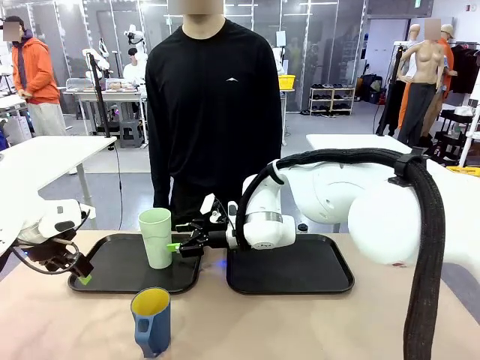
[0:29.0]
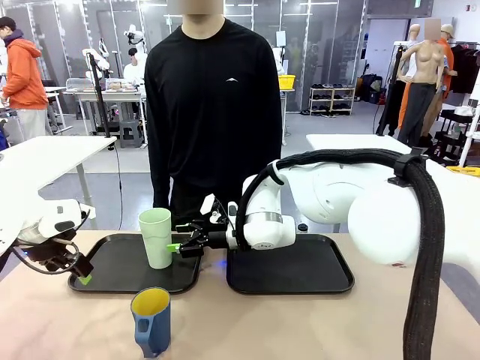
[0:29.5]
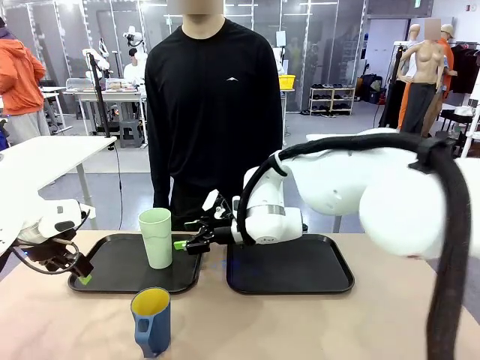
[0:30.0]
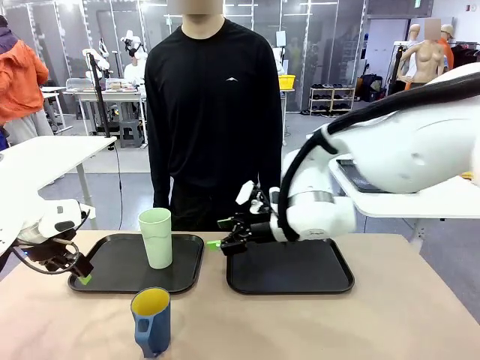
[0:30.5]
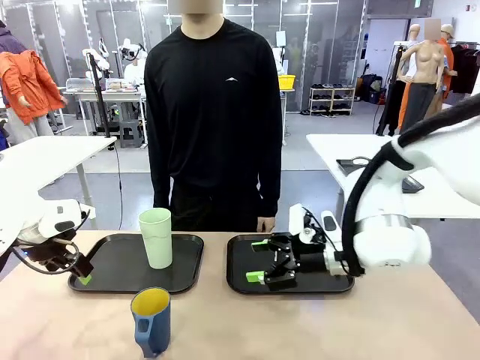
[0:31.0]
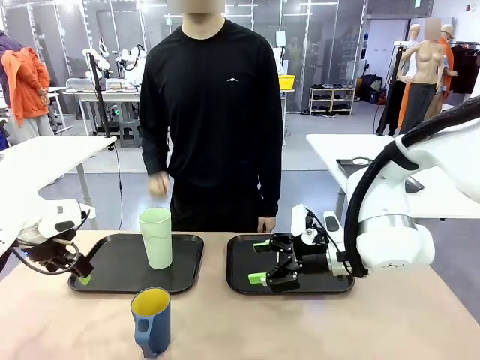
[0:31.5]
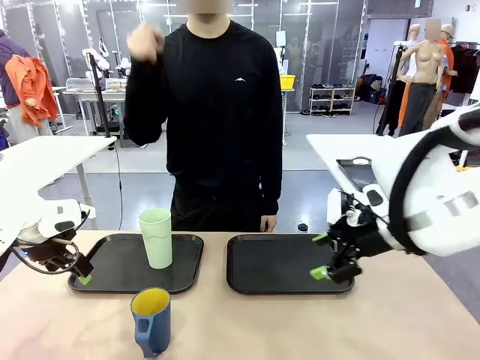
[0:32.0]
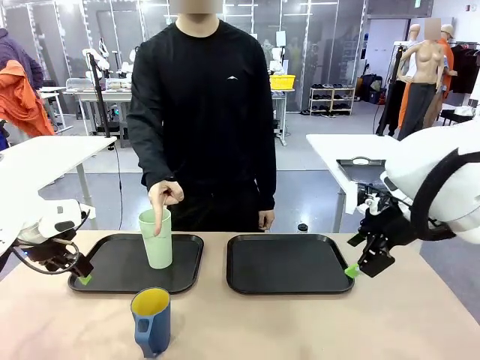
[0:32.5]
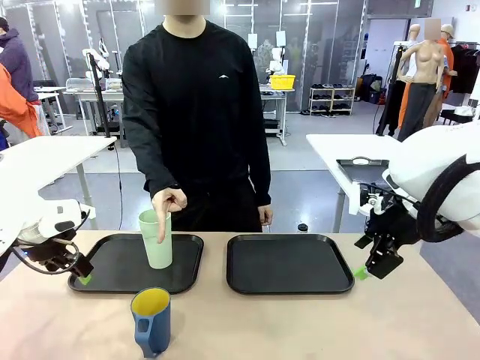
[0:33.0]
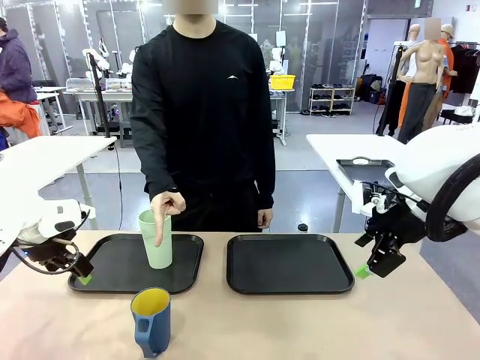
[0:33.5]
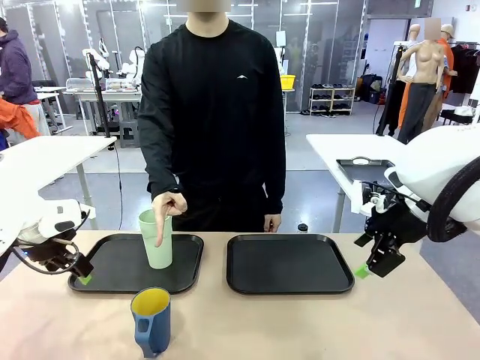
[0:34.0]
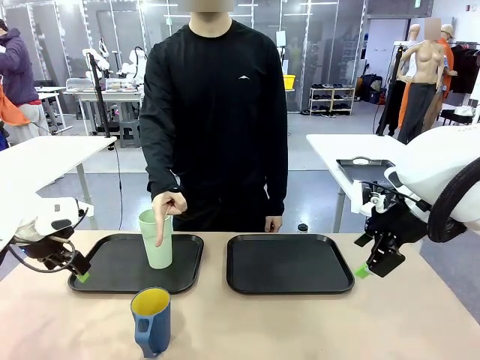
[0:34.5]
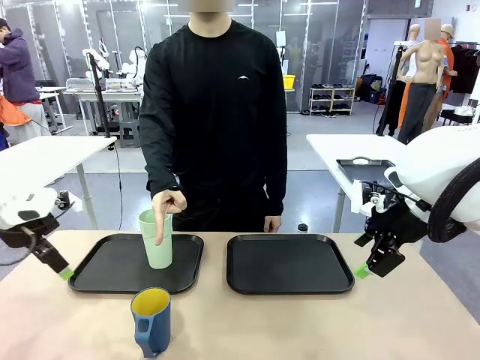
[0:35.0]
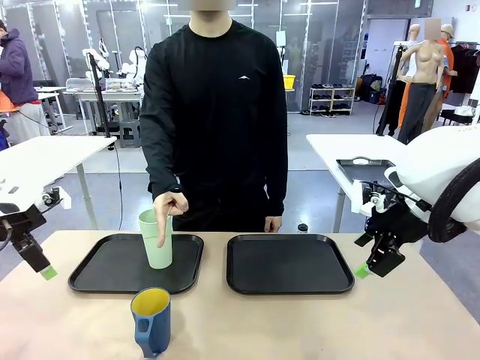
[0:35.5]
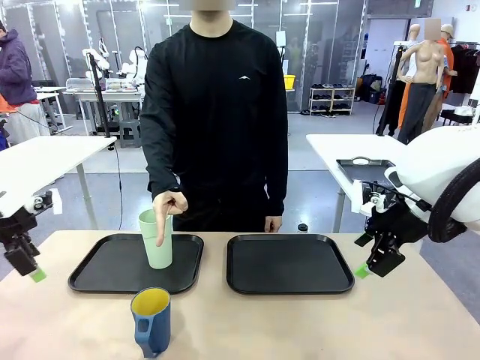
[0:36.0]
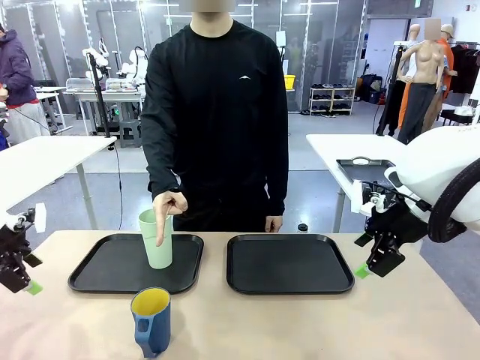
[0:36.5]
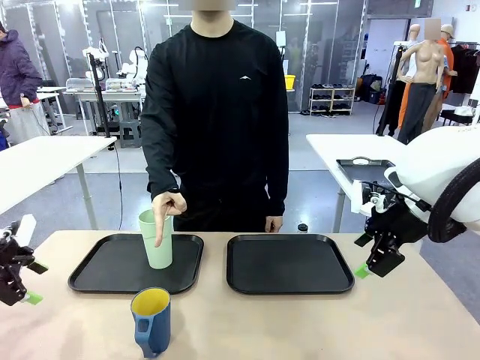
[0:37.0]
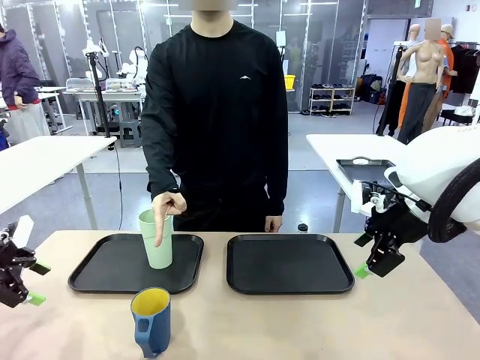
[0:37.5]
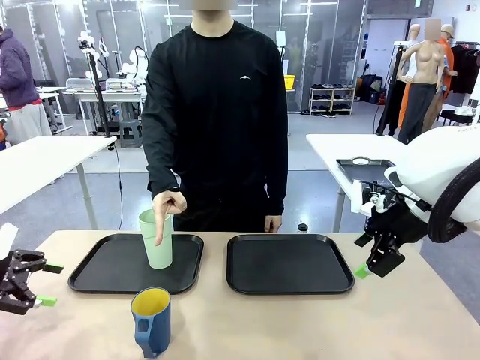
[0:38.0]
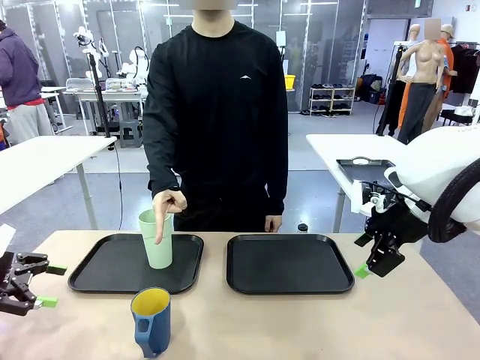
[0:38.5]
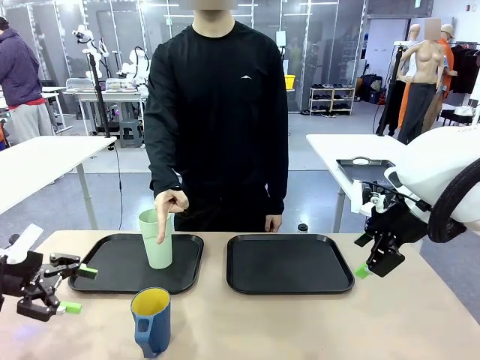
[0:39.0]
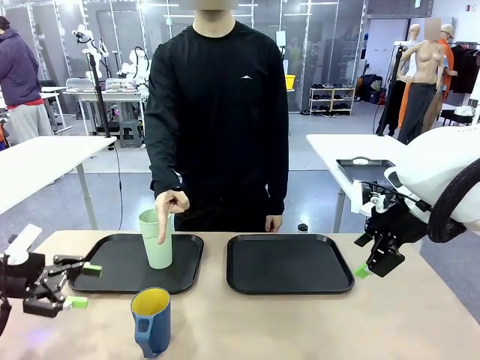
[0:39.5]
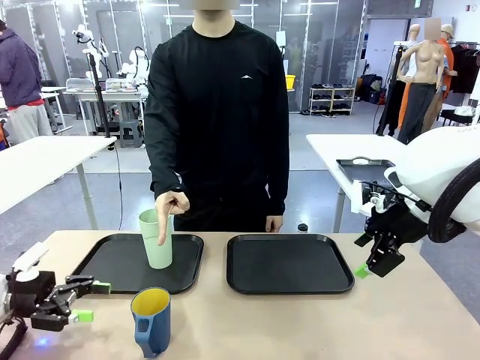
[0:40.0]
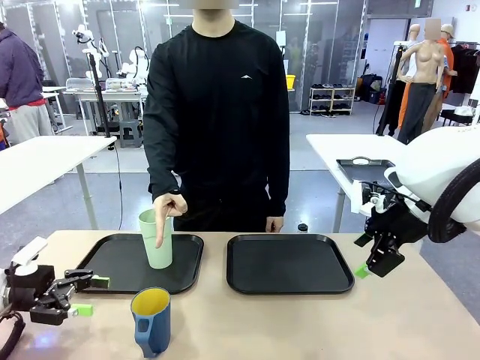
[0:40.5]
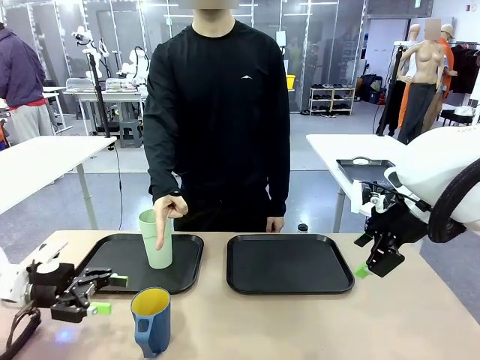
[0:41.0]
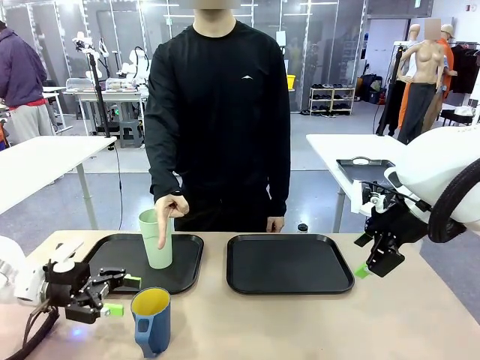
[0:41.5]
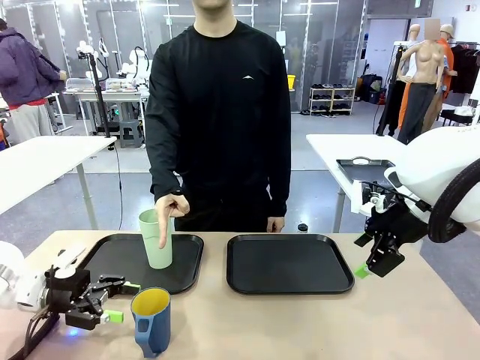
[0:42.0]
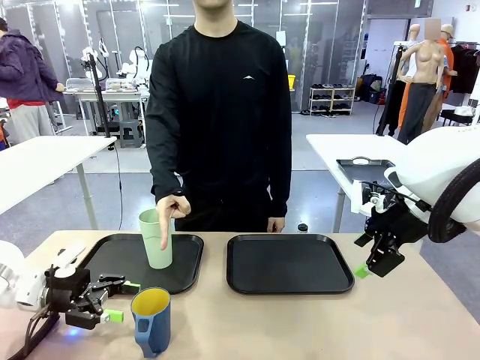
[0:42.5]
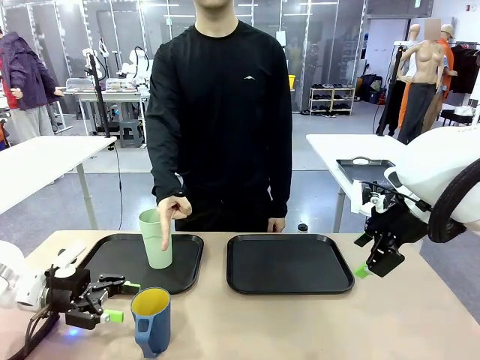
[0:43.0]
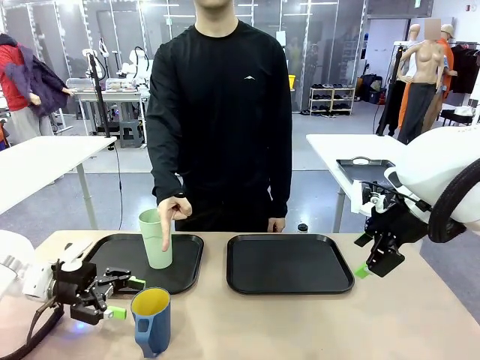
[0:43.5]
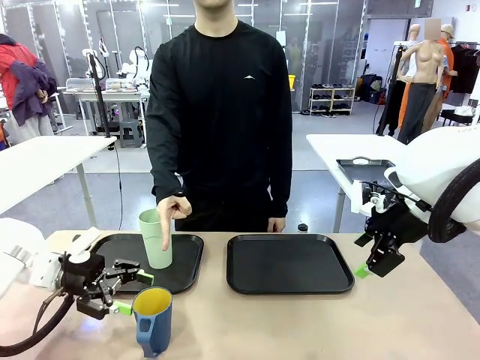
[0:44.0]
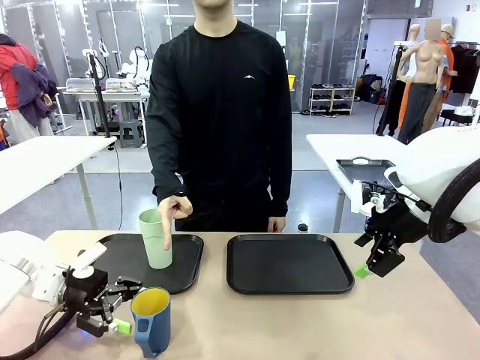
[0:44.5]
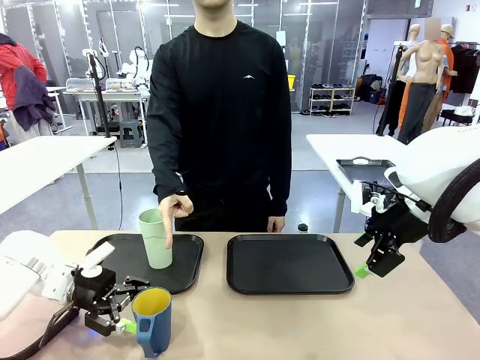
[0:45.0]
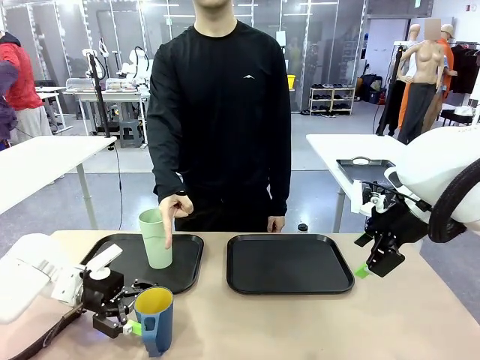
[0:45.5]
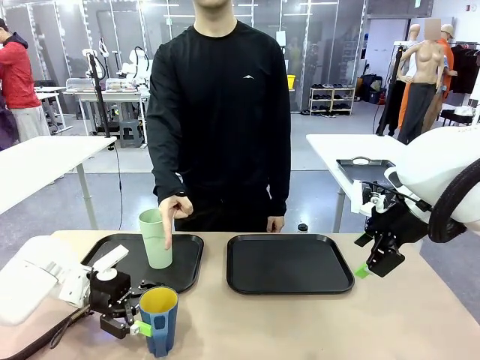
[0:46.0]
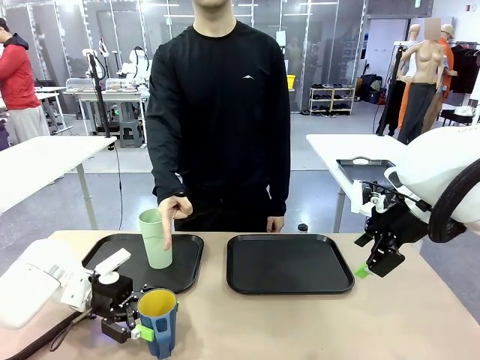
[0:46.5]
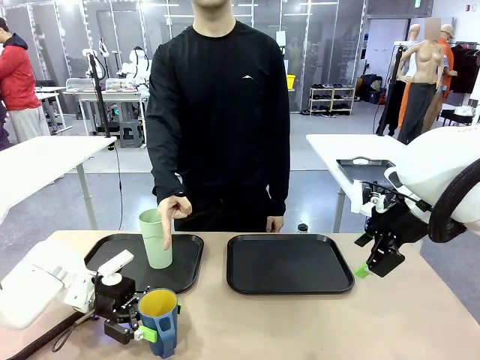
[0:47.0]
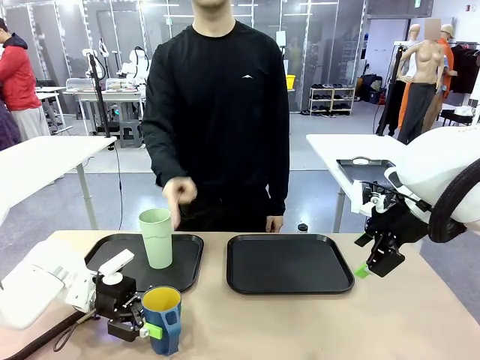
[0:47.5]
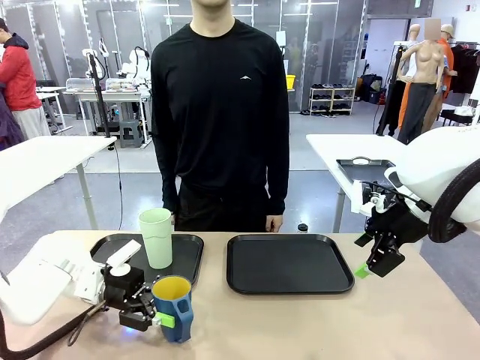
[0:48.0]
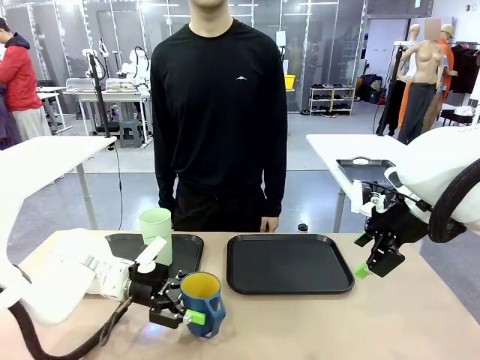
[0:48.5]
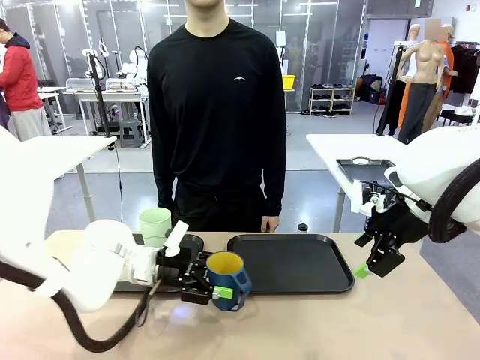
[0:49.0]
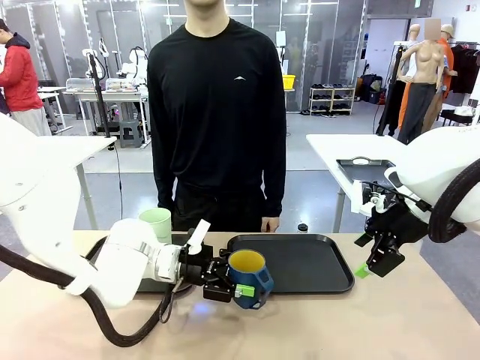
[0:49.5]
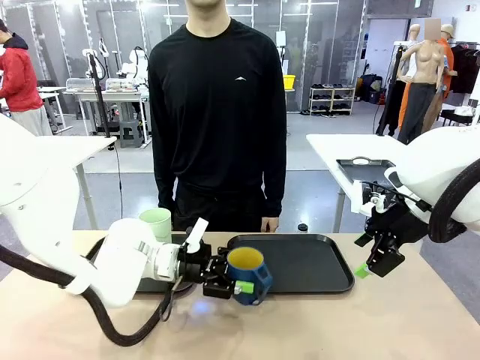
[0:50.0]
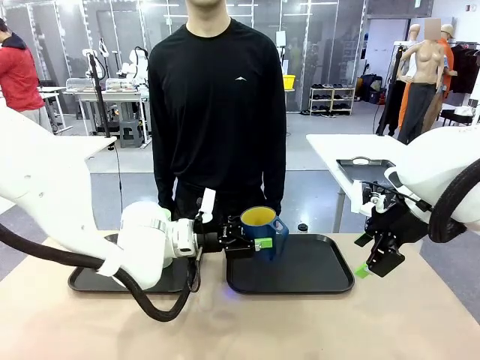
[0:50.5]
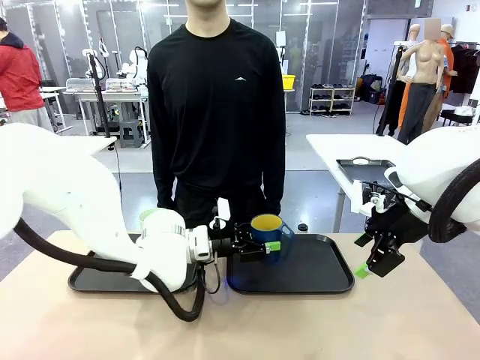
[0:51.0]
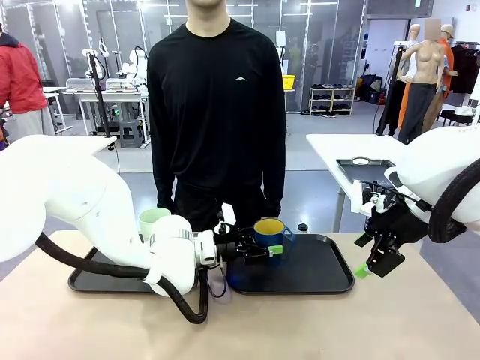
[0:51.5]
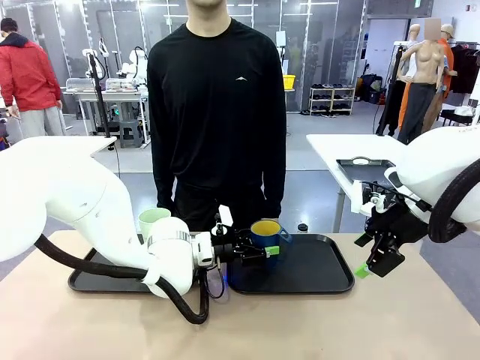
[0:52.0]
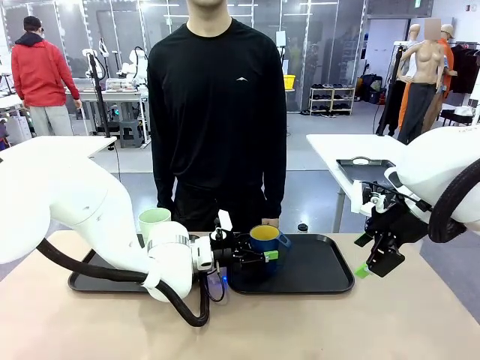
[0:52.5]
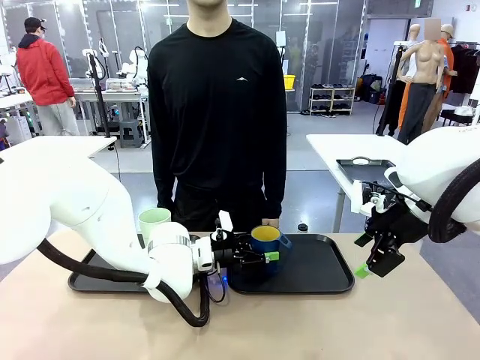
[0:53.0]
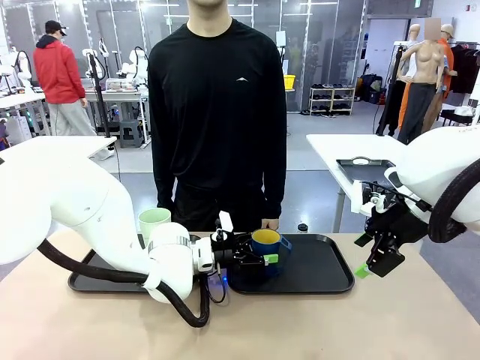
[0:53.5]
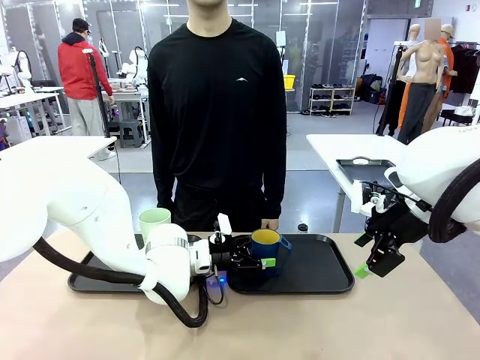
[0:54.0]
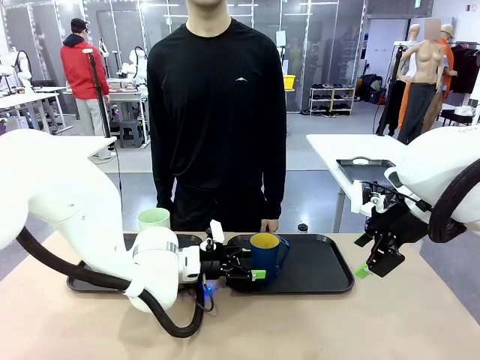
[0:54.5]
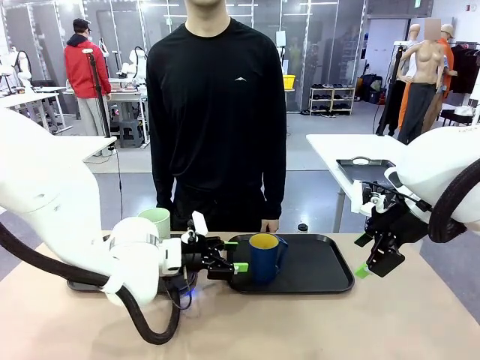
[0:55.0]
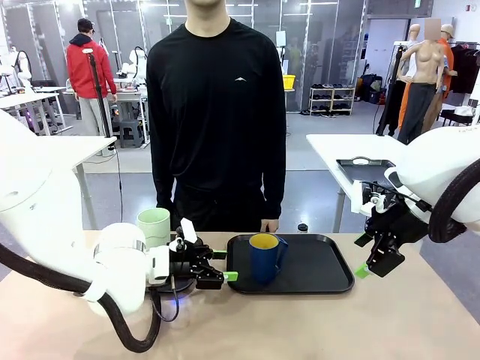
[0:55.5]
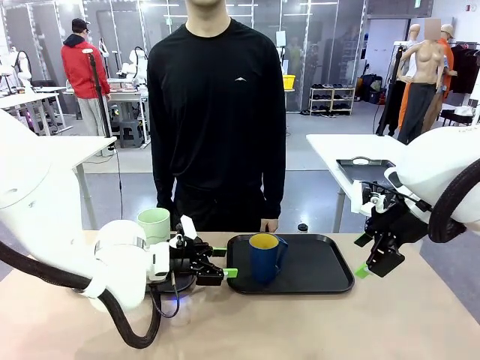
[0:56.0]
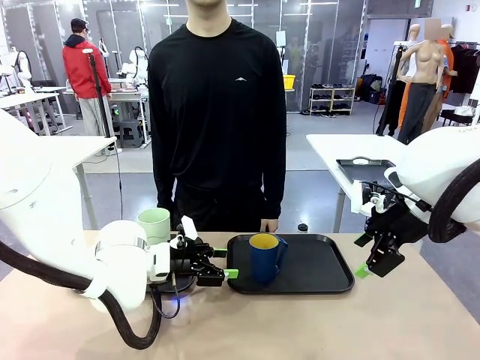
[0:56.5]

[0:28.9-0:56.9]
Task: Sort and store the cups by type.
Robot: Pick up the Handle plastic cup and place it into the empty Flat Tray.
Person: Points to the cup with a handle.
